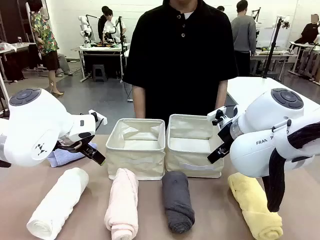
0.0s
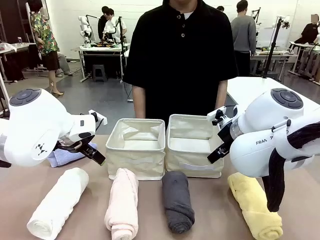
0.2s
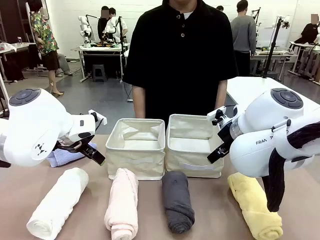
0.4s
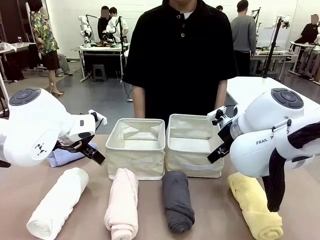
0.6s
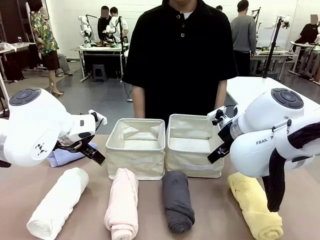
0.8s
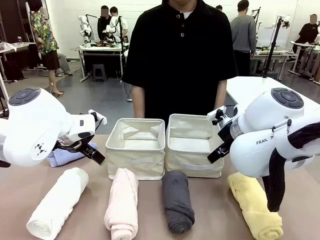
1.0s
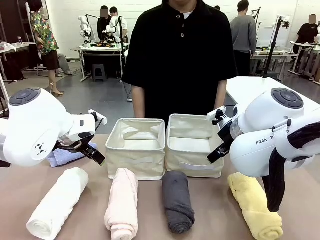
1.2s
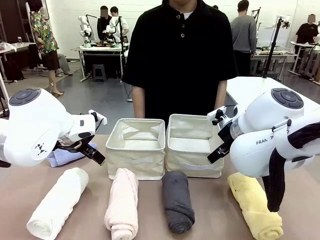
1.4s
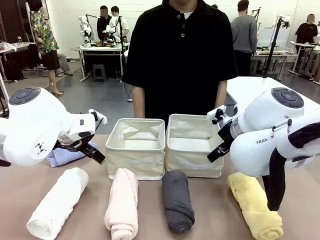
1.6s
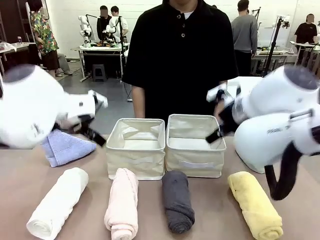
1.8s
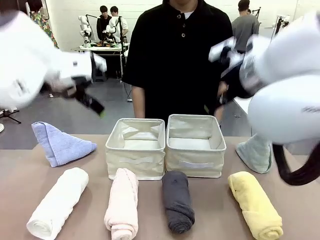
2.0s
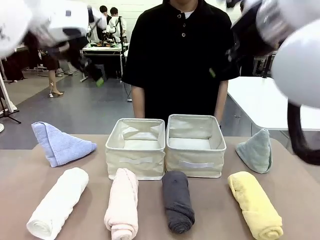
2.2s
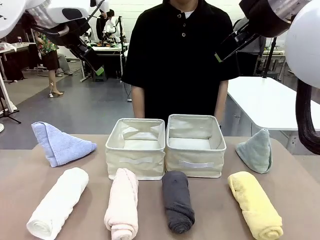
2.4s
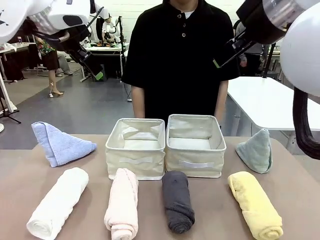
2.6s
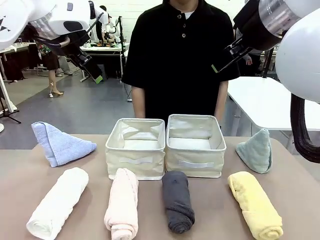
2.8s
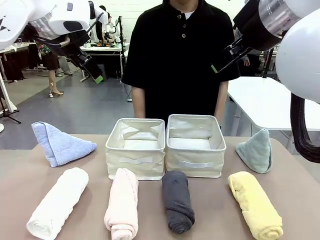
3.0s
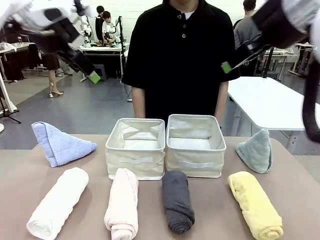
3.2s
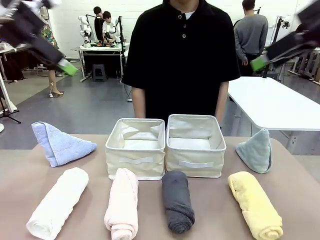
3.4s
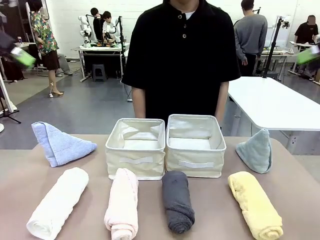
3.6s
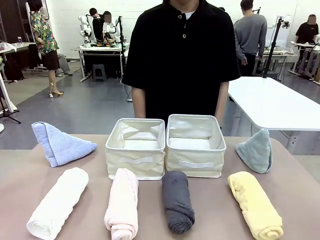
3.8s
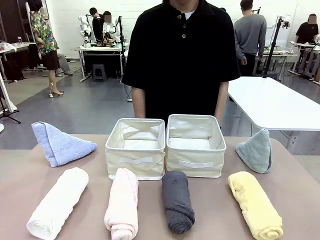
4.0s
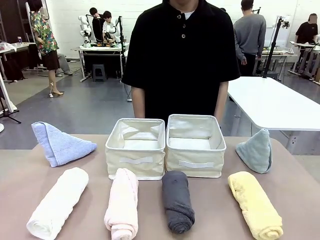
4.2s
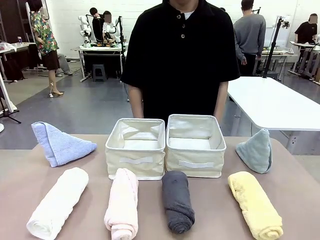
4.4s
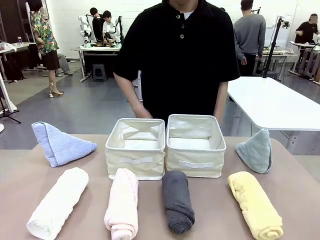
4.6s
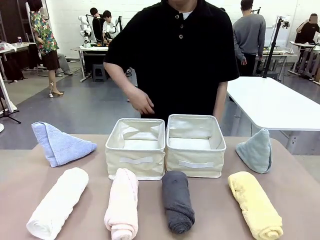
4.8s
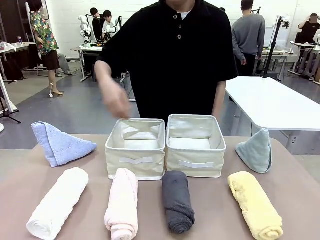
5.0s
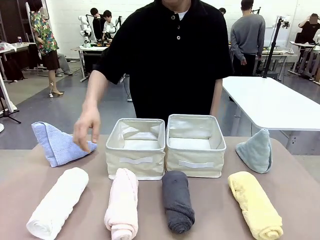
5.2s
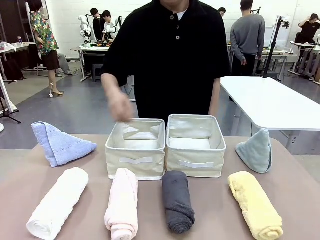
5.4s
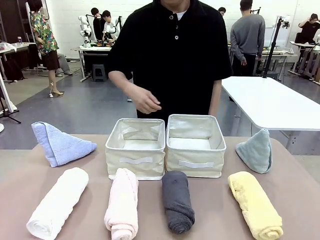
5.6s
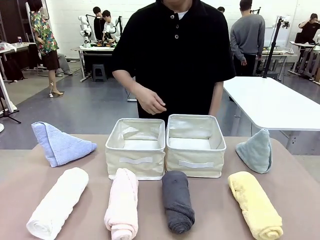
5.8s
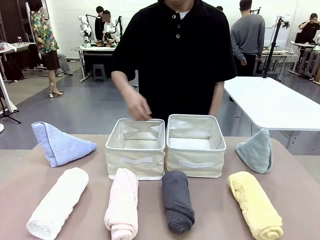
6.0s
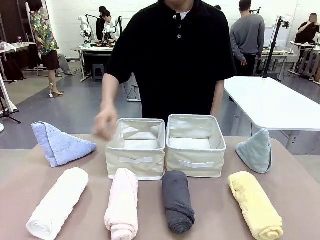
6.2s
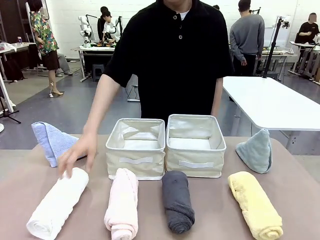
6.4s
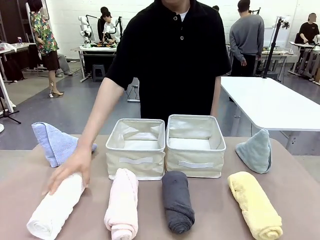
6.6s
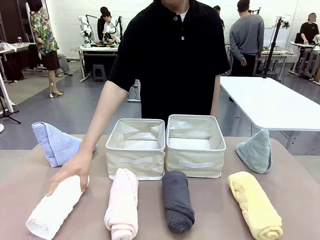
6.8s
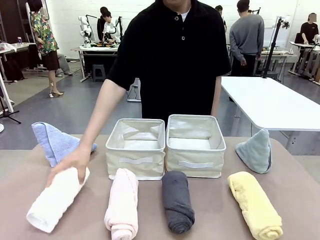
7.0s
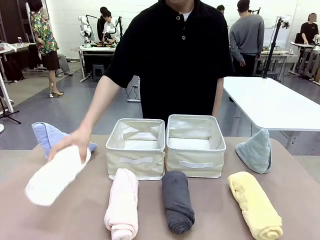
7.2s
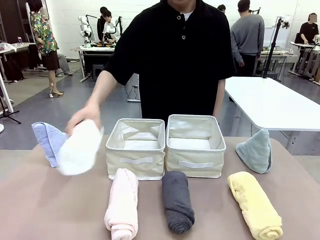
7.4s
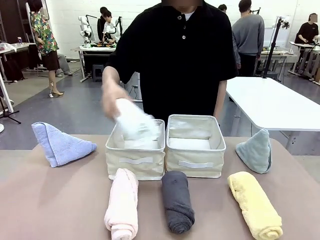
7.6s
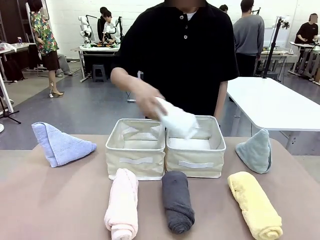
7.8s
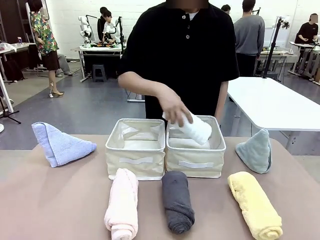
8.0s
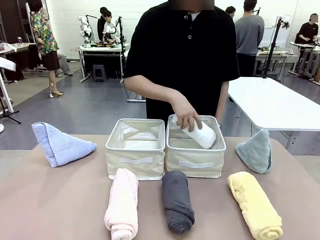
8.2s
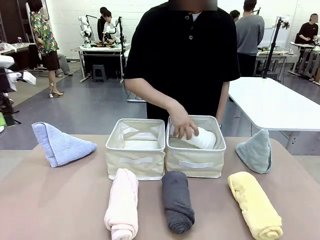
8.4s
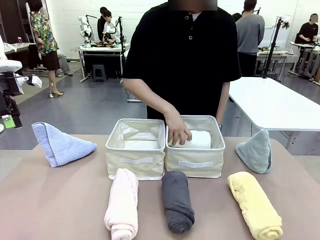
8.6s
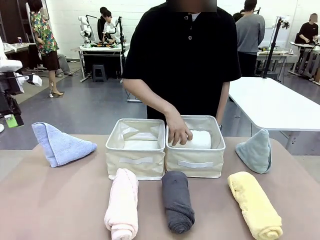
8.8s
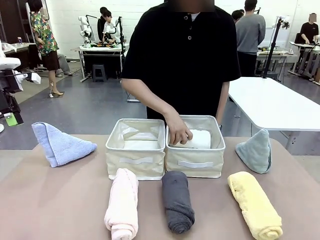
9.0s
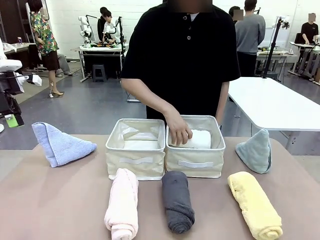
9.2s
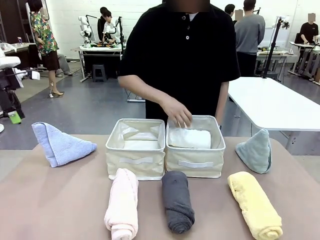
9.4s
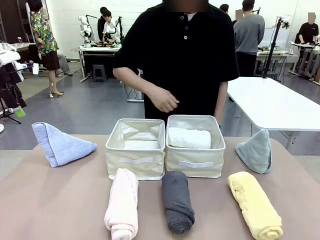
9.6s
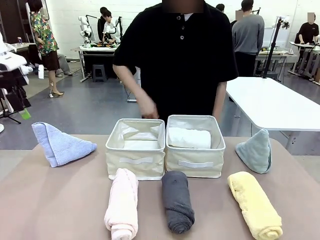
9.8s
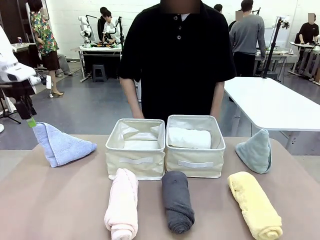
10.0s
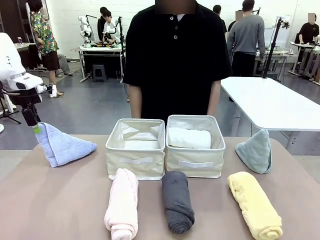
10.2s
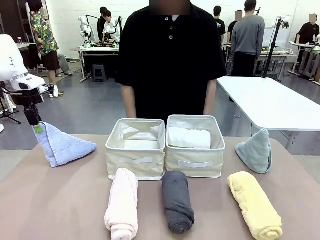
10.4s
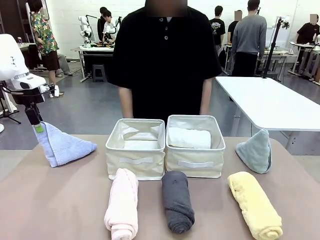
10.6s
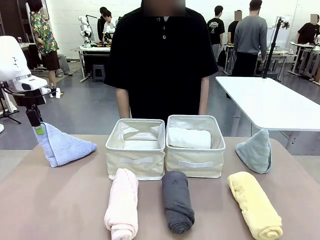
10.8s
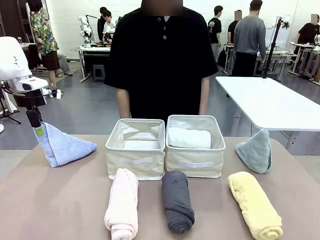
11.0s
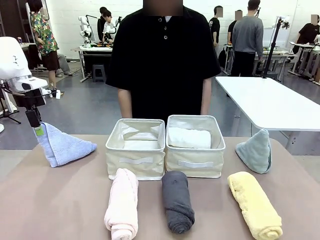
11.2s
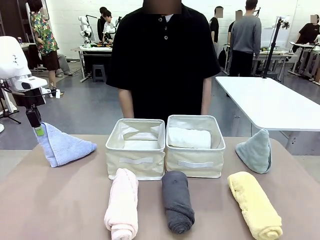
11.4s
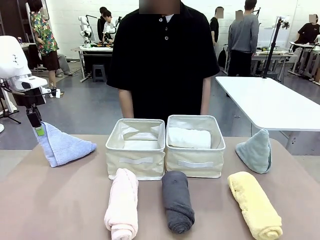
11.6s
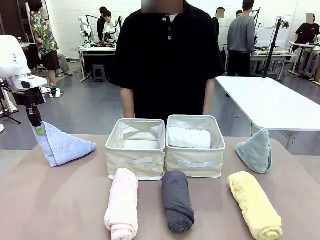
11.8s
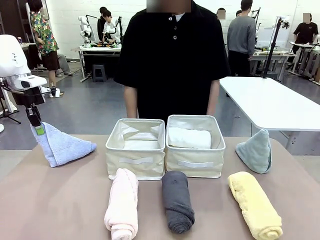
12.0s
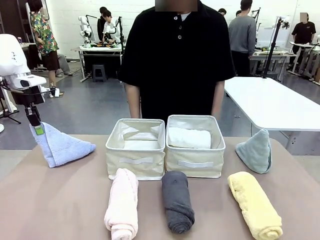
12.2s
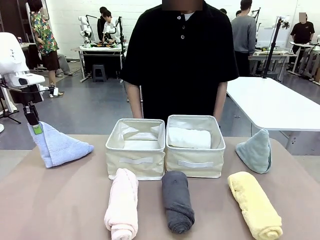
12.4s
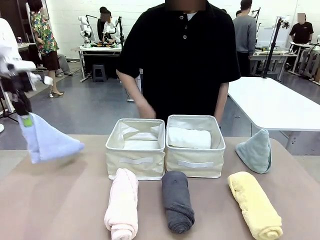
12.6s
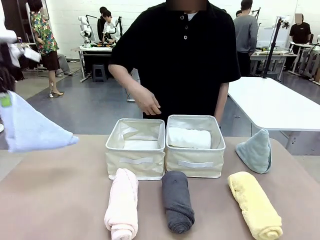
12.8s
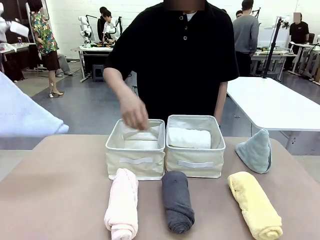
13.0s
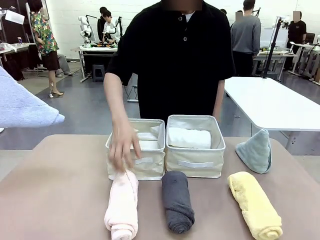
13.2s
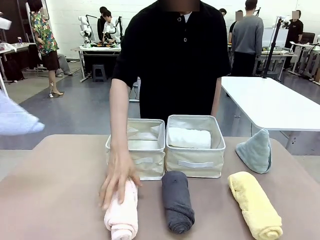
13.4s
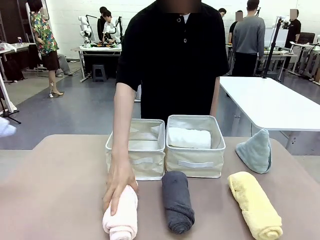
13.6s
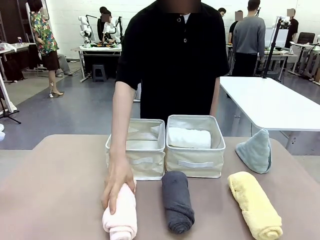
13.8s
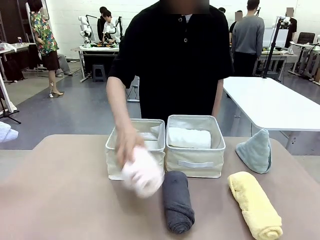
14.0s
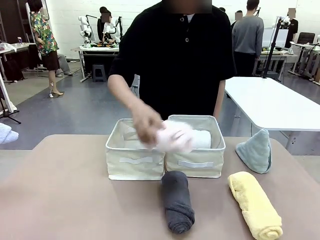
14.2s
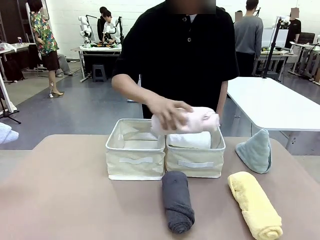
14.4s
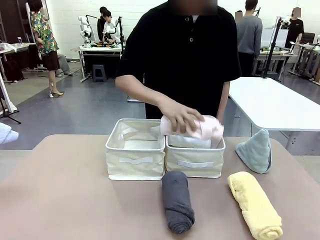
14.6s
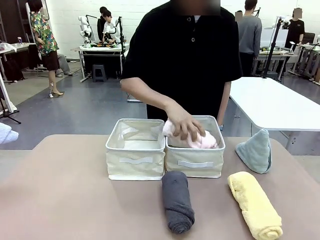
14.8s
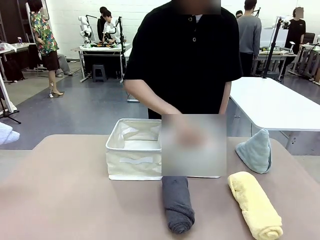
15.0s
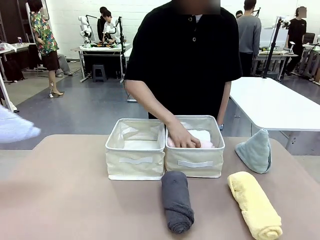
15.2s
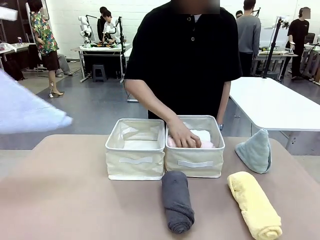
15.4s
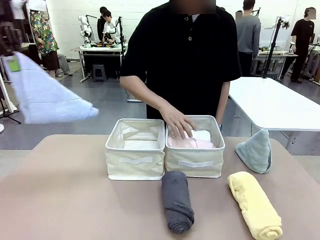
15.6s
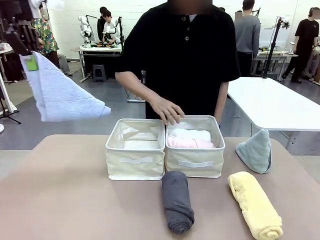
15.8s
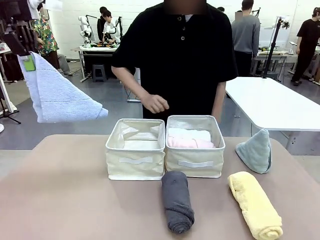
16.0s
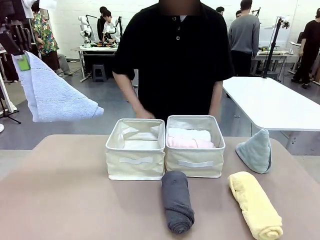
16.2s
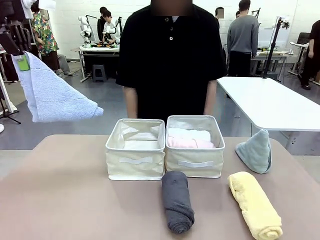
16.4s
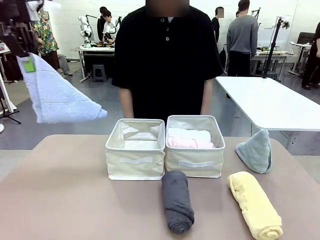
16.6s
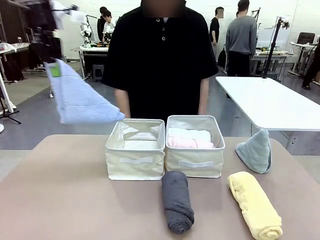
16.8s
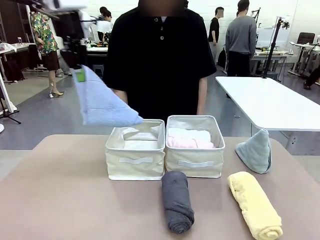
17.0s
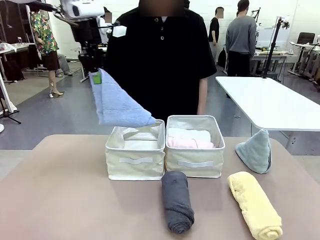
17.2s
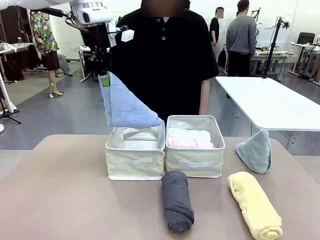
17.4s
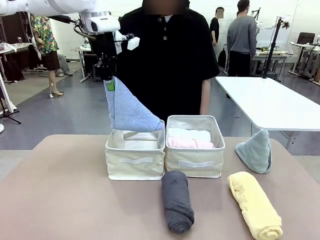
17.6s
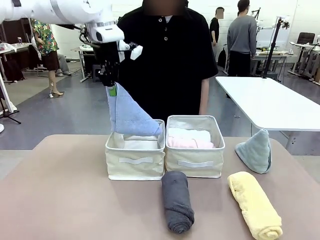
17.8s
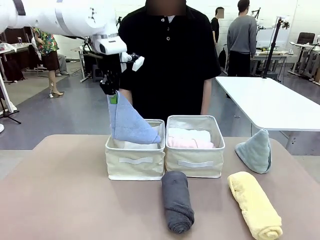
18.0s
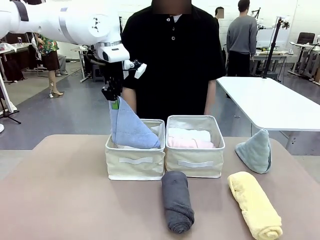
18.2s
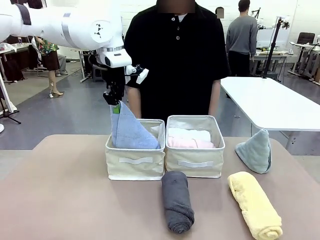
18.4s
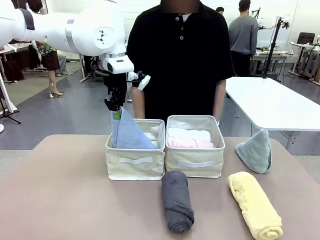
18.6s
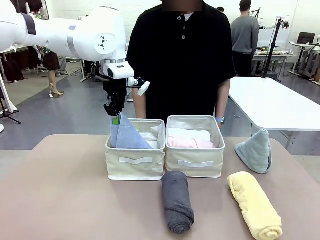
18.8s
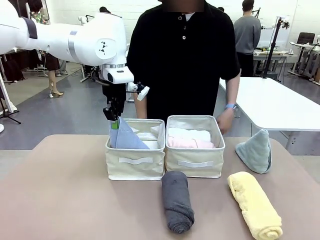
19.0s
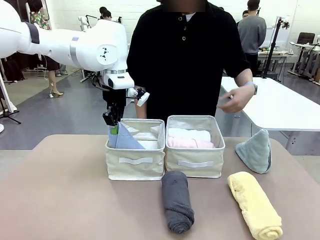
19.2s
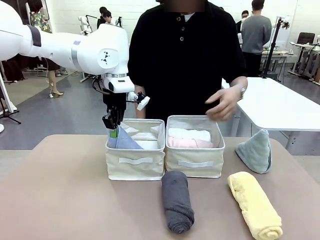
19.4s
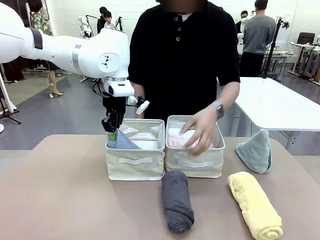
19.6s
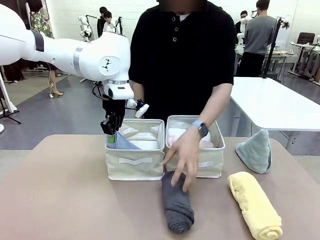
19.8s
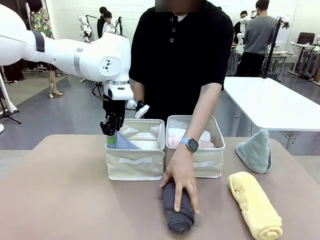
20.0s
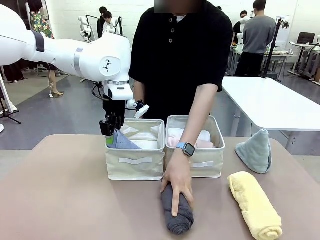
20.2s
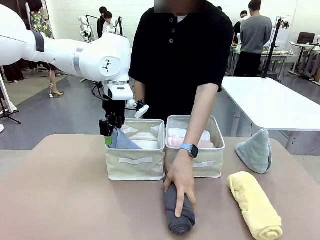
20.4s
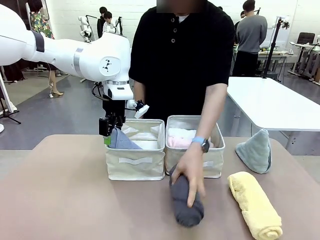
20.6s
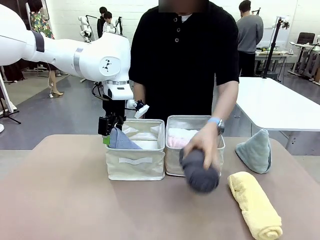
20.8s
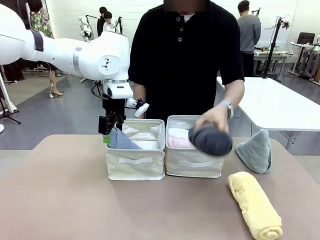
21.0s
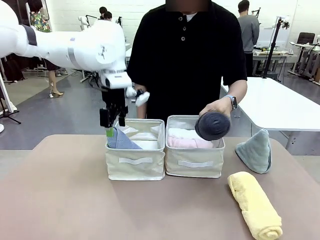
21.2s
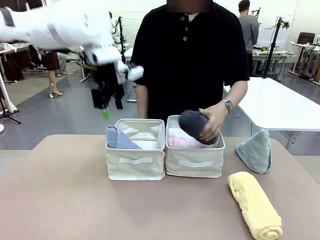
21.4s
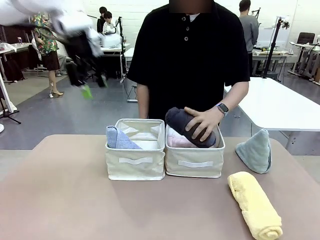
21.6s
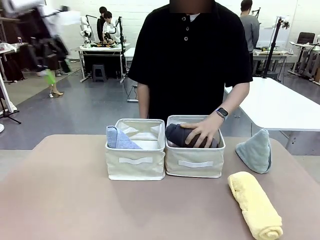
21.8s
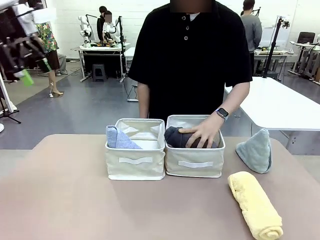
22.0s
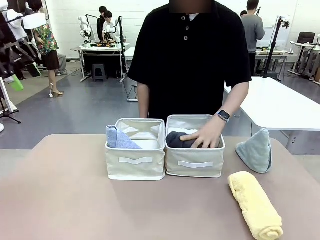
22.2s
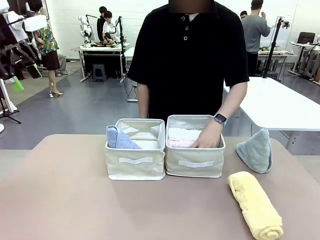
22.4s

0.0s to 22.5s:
Task: Sort the towels based on their folding style.
Robot: Pick up one triangle-folded towel and place it in the left Fabric basket.
Person: Pick up one hotel-style rolled towel and place it in the left fabric basket.
